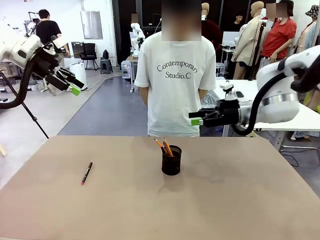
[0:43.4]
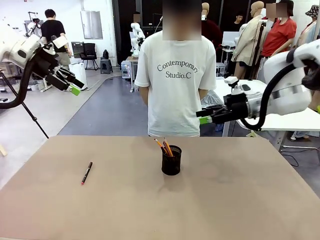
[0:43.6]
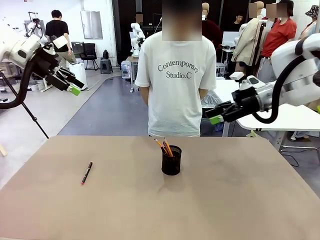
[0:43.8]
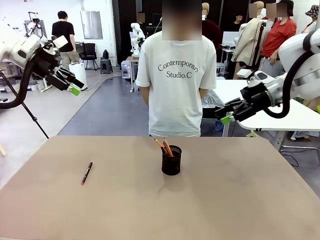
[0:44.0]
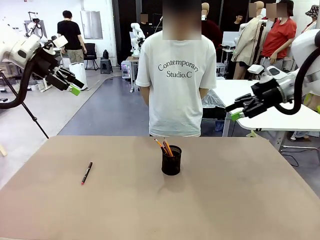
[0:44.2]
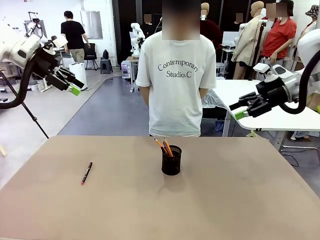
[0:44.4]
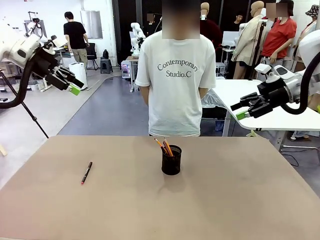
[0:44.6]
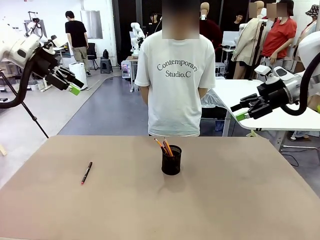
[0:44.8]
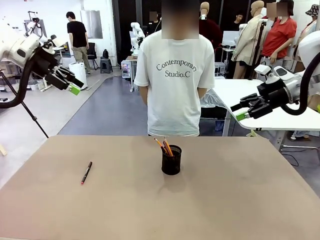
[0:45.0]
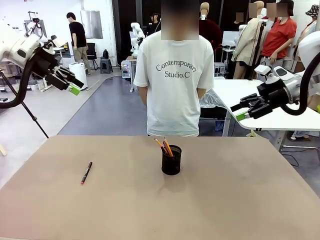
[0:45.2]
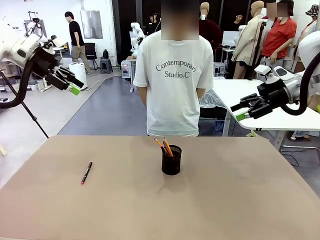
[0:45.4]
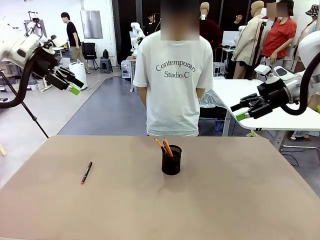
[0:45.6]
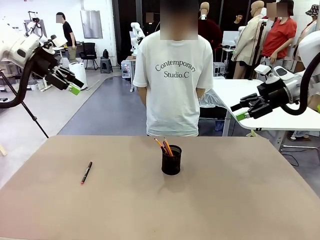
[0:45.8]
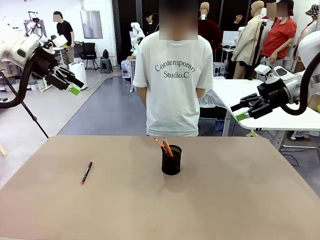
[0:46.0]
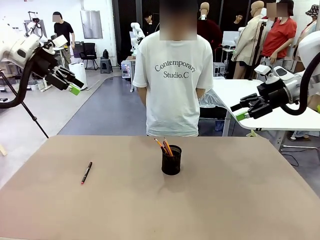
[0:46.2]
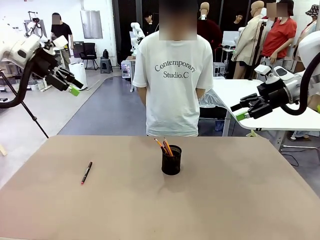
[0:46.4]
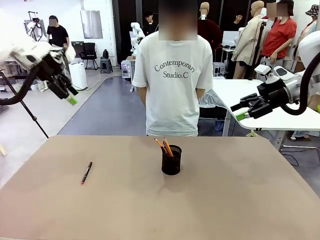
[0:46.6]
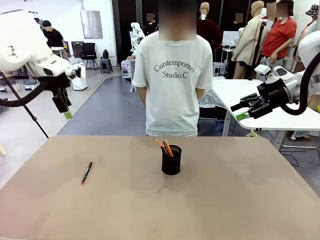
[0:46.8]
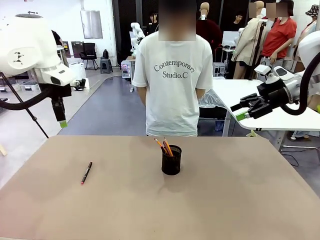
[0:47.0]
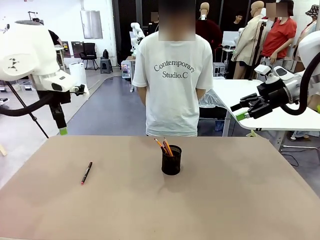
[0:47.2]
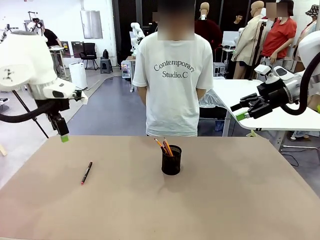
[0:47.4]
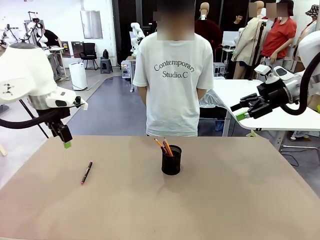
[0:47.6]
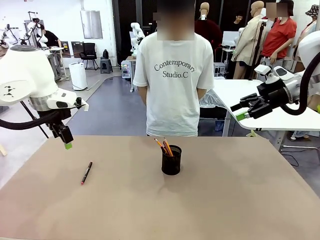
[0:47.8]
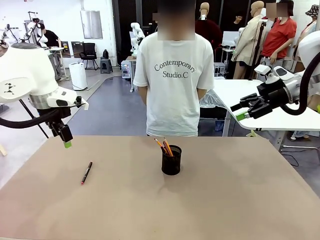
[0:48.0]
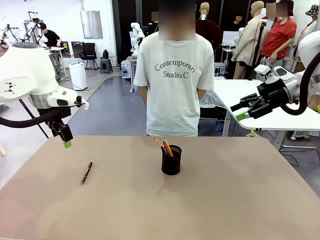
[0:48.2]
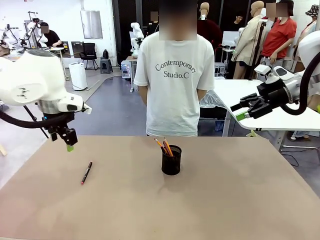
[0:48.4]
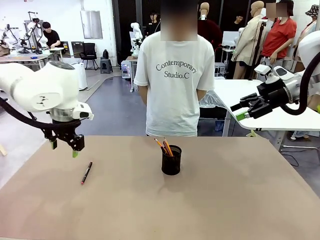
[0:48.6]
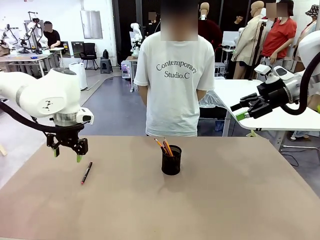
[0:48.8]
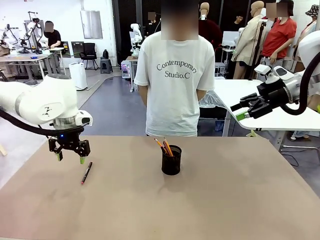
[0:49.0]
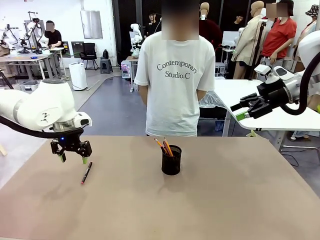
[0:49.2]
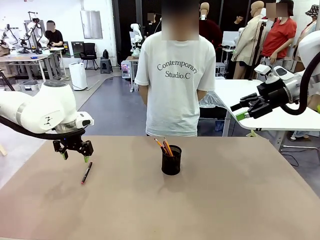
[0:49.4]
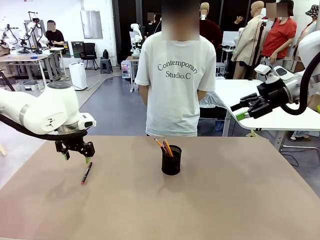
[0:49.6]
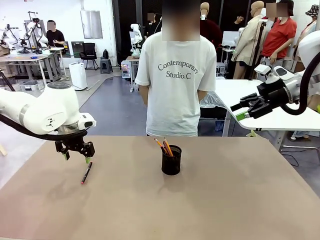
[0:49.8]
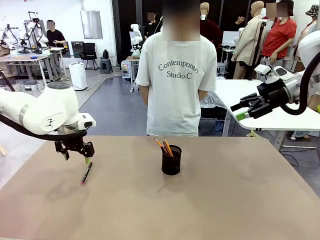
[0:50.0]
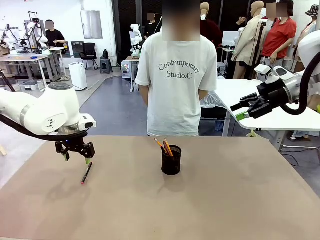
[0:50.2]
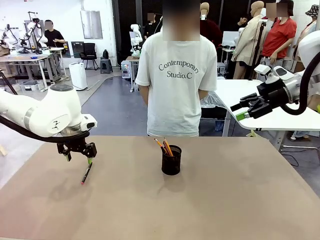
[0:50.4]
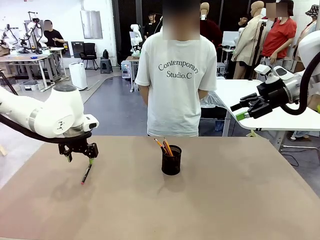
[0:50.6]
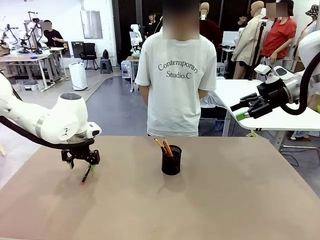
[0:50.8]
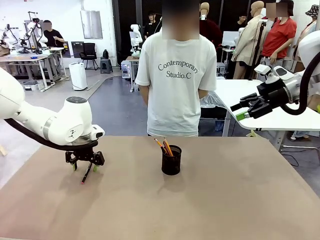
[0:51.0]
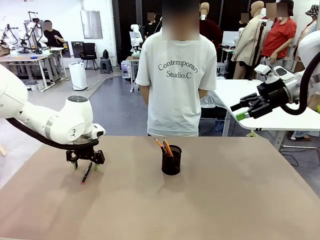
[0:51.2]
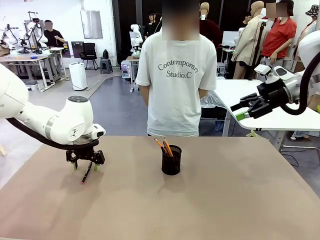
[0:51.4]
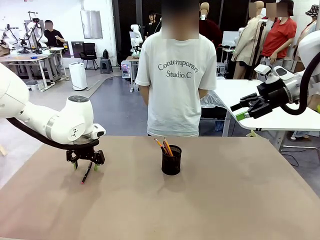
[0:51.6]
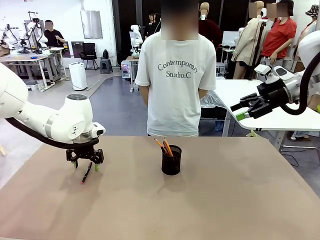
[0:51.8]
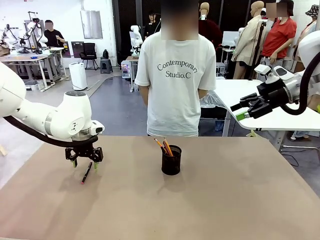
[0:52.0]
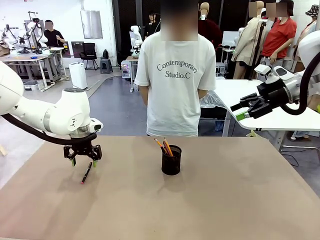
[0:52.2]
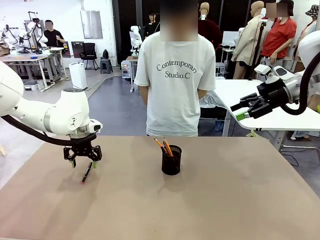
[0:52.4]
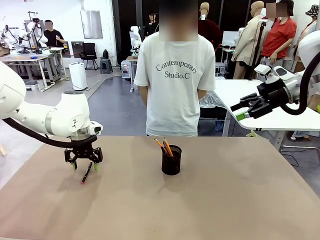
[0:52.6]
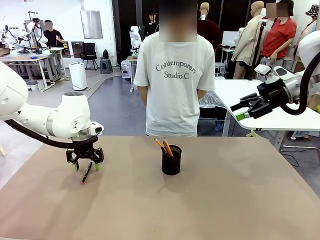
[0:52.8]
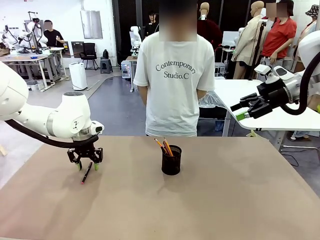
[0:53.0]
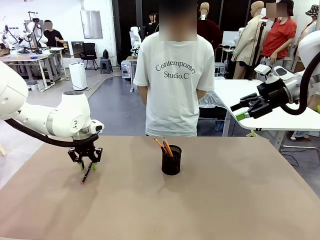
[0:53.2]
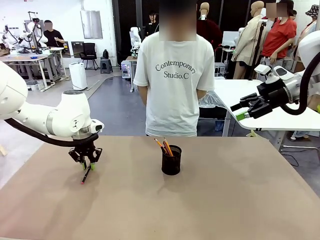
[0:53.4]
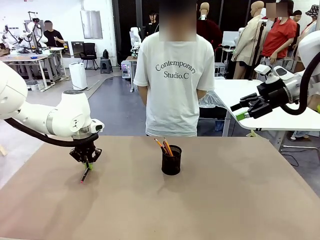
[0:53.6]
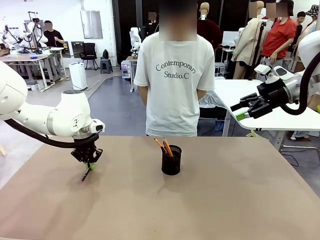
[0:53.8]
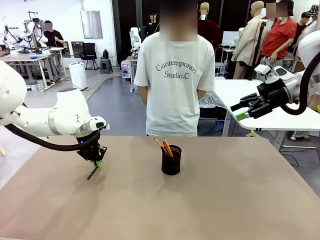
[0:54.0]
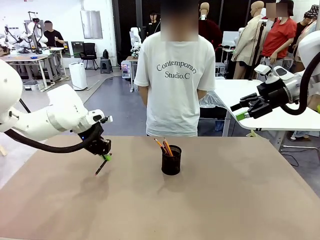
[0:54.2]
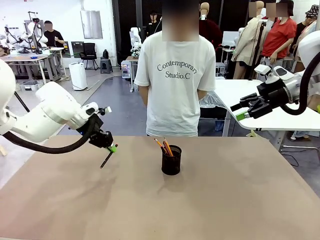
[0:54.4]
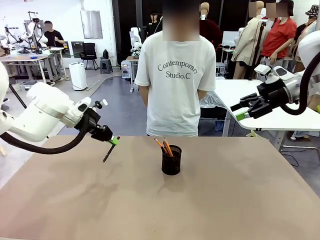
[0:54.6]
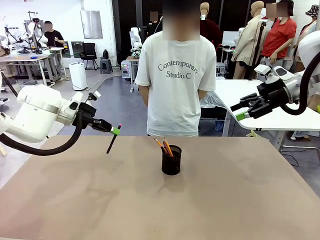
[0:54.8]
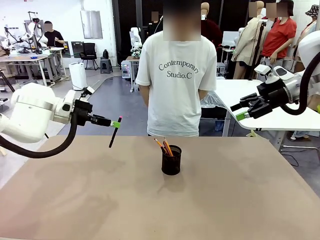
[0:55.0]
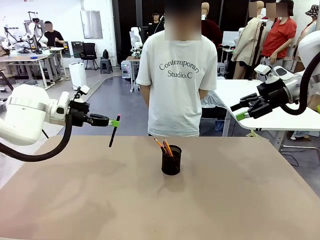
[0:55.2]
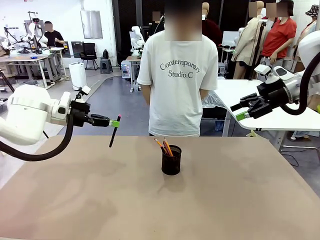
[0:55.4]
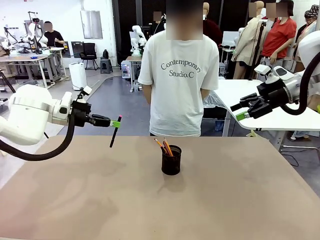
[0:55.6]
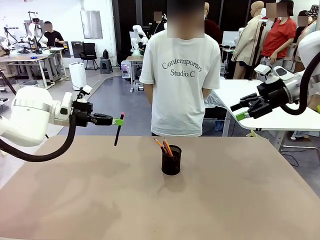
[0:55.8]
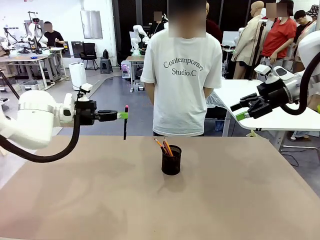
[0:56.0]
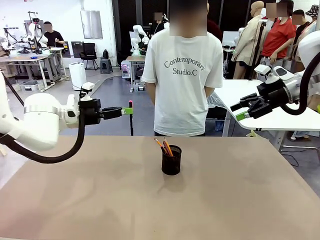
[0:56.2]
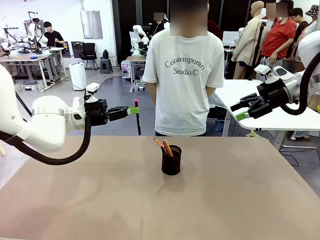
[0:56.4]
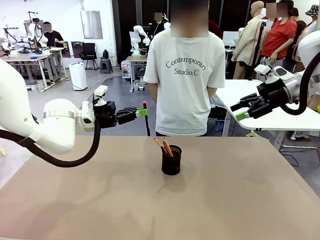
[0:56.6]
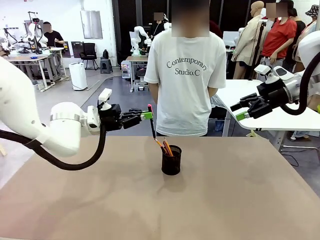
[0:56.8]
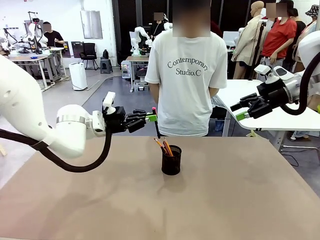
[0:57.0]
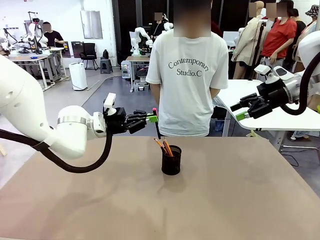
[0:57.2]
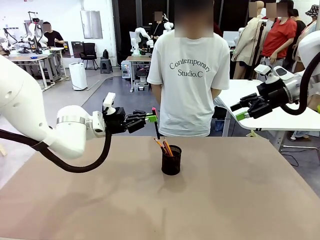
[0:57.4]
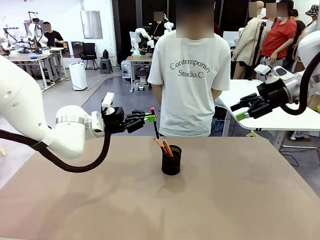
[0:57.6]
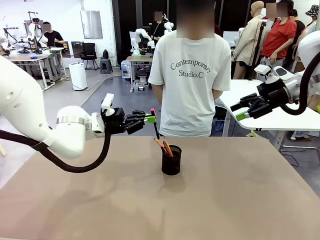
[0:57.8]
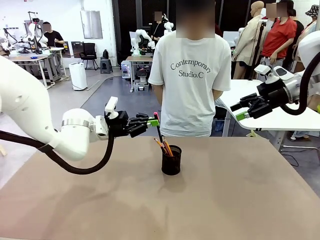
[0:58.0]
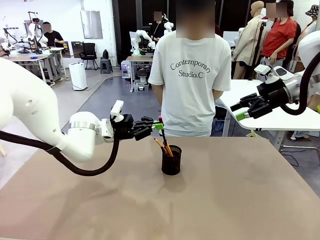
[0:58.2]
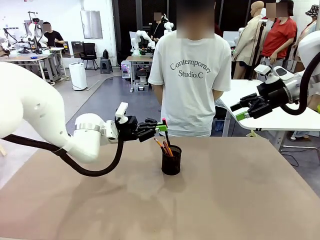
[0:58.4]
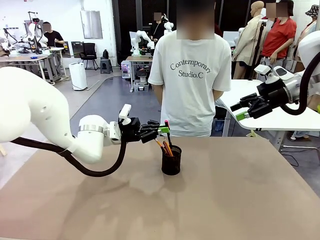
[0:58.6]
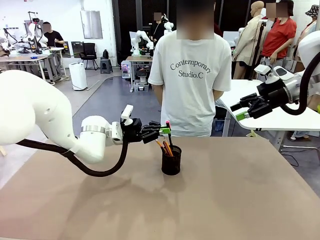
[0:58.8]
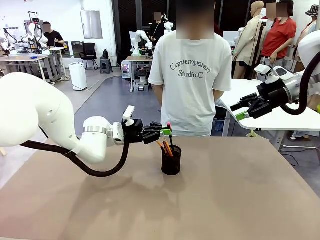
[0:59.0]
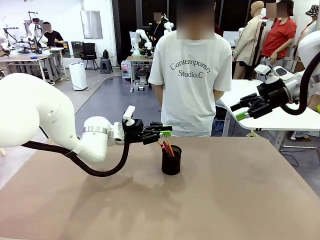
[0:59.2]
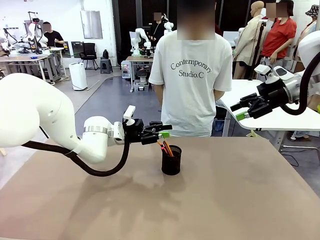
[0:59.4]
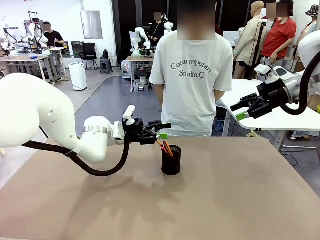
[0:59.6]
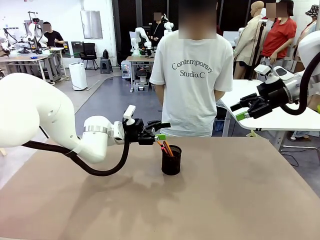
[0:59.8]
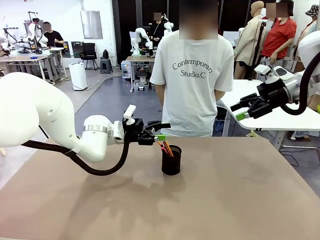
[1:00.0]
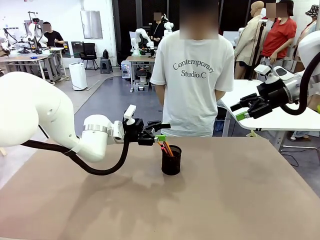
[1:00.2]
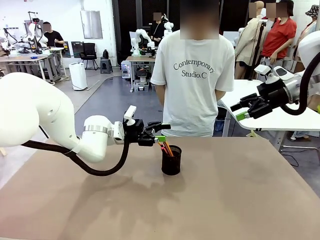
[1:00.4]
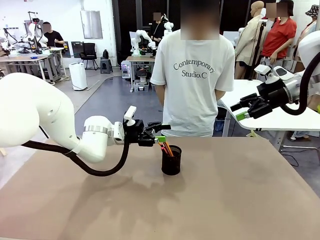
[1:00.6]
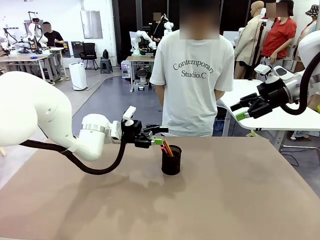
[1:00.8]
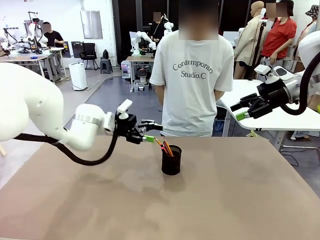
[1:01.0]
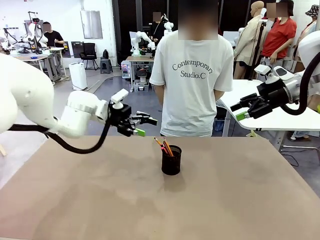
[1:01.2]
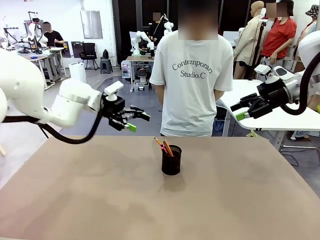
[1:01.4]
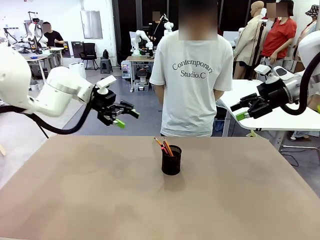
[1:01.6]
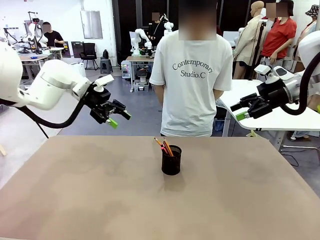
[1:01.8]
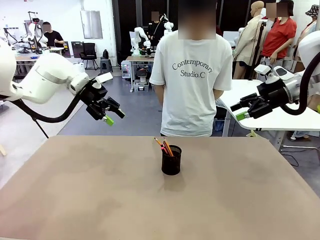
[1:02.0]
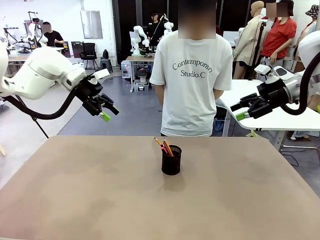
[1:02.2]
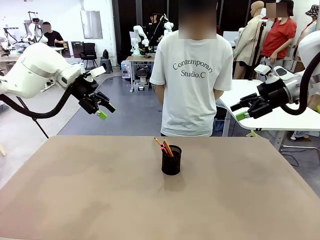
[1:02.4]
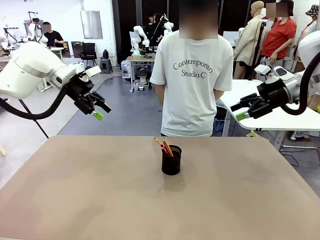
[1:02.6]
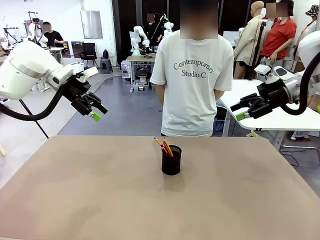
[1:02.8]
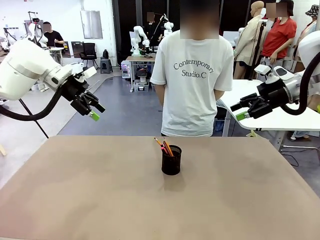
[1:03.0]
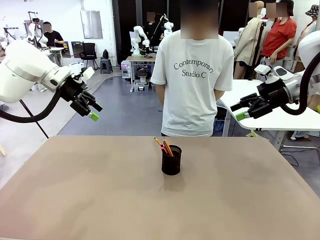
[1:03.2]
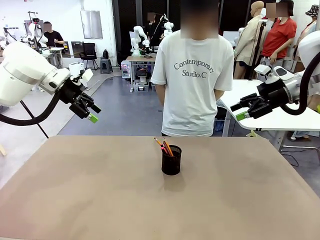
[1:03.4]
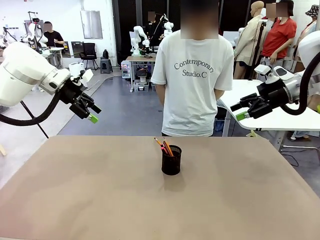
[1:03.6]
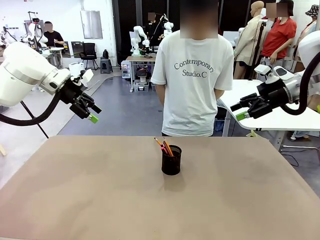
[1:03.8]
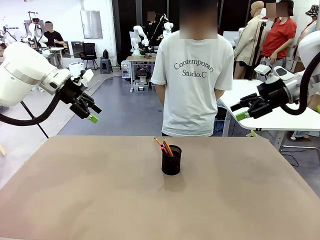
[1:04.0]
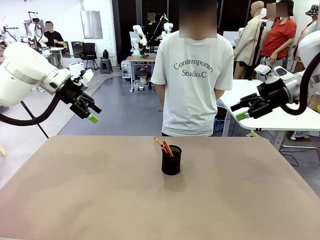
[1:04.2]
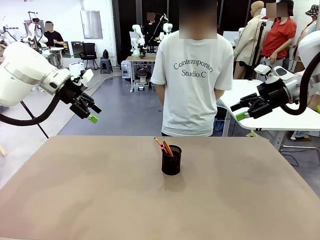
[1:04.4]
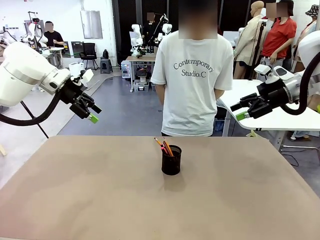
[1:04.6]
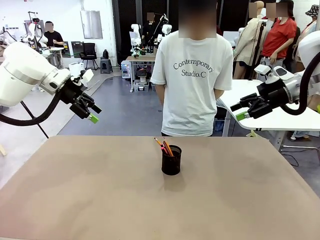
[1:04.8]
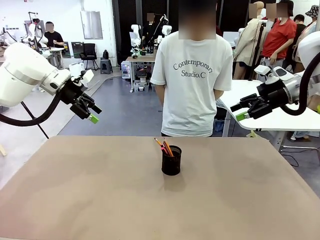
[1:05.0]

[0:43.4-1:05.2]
Task: Place the pens into the pen holder.
Robot: Pick up a writing instrument from the table and place it into the Pen holder.
